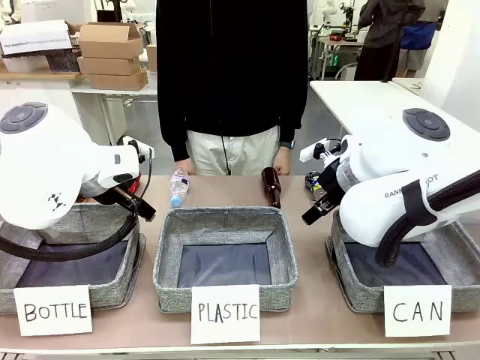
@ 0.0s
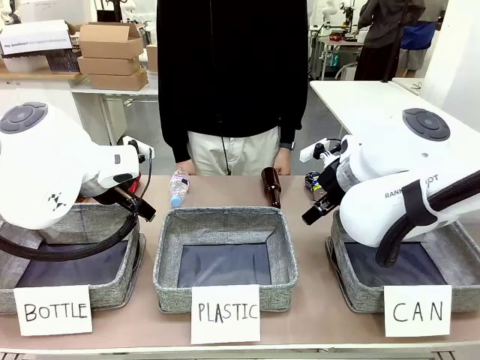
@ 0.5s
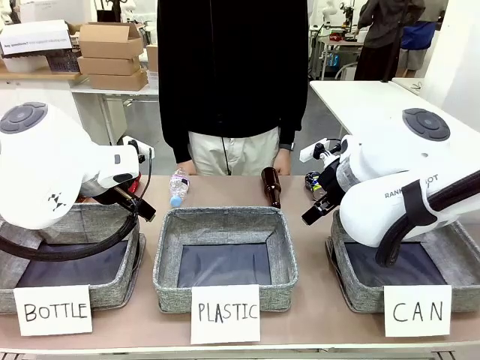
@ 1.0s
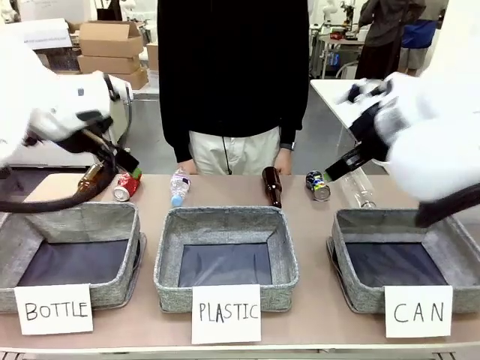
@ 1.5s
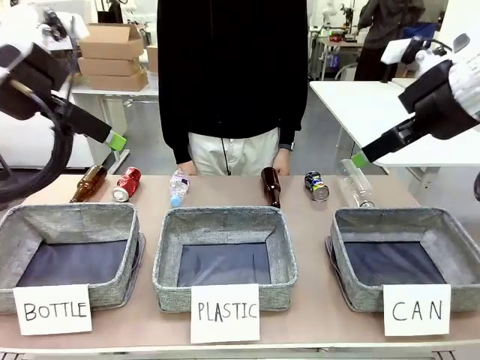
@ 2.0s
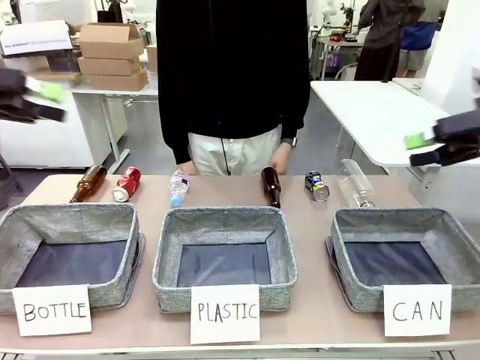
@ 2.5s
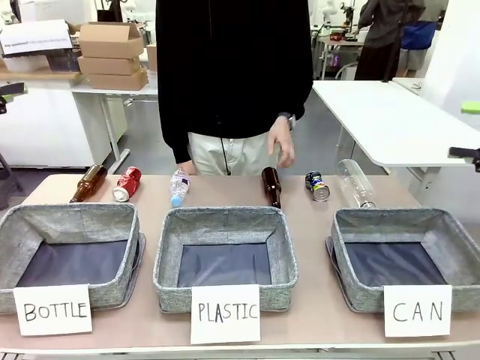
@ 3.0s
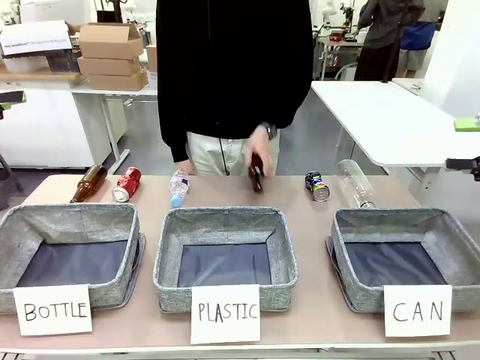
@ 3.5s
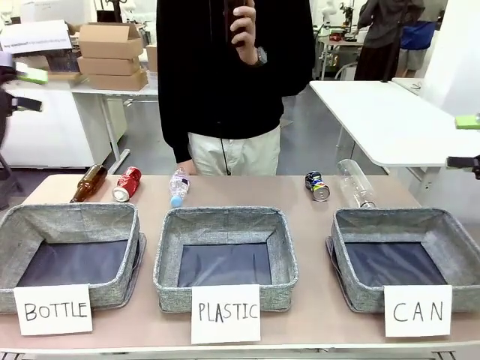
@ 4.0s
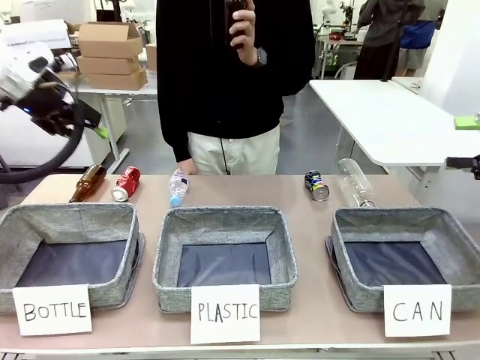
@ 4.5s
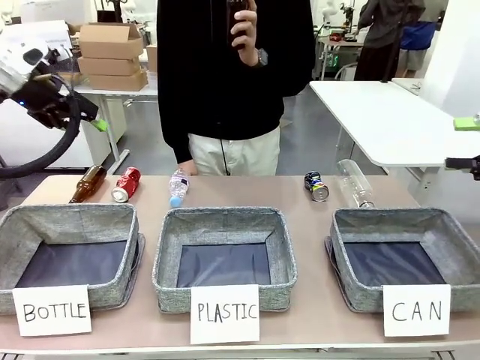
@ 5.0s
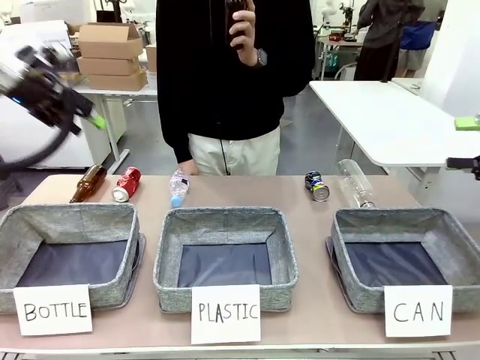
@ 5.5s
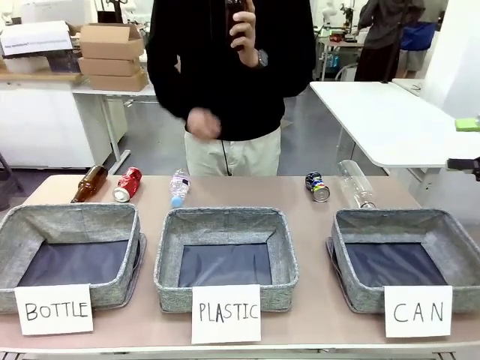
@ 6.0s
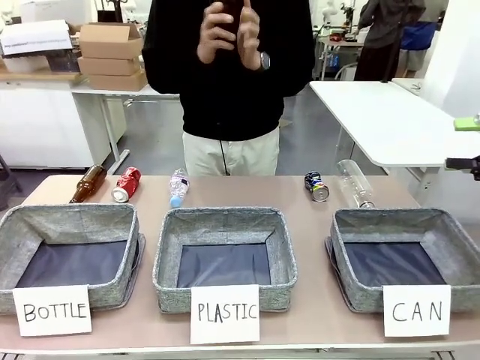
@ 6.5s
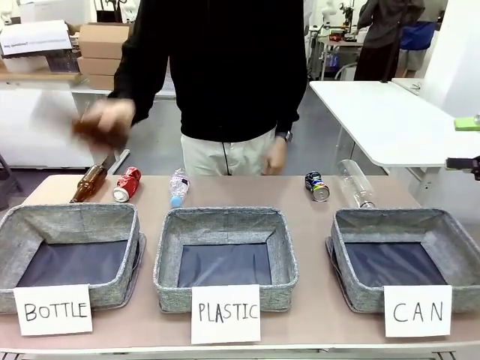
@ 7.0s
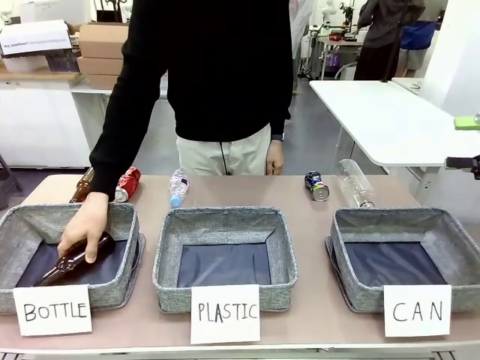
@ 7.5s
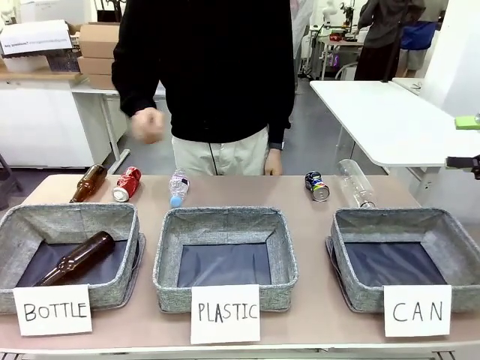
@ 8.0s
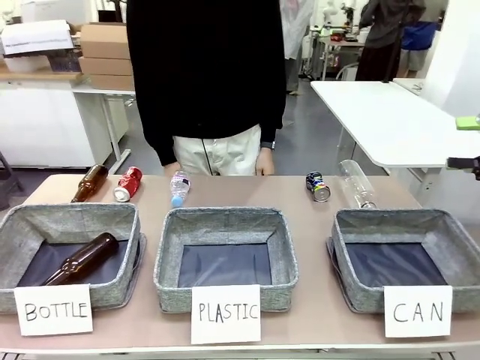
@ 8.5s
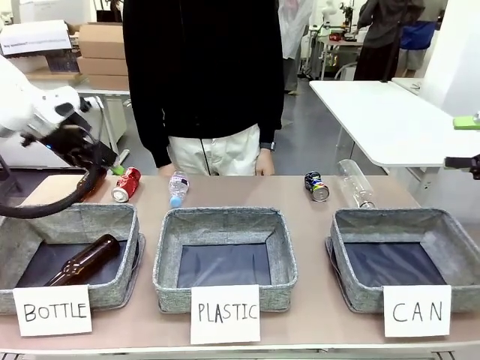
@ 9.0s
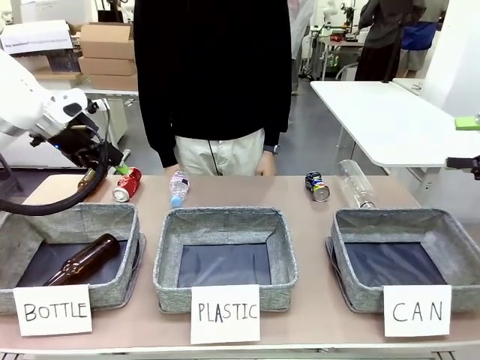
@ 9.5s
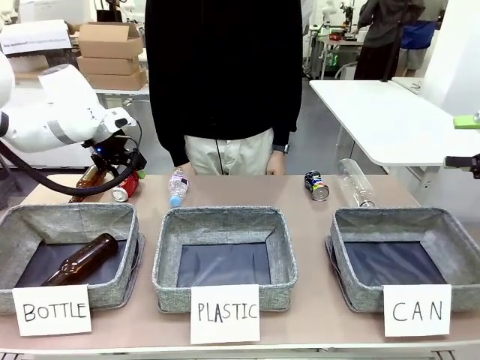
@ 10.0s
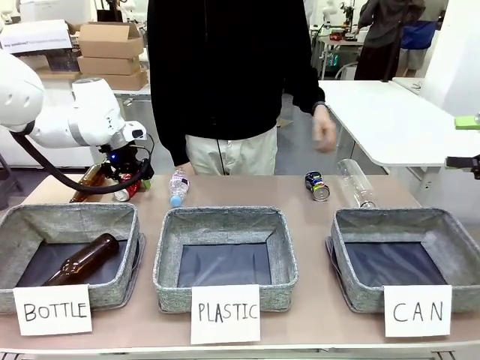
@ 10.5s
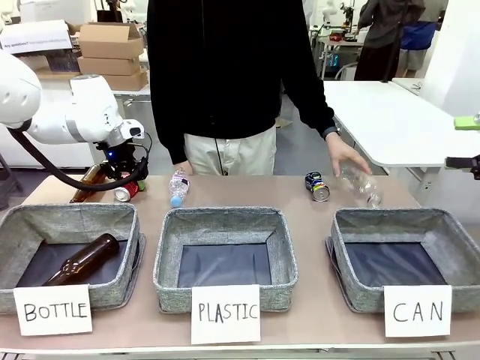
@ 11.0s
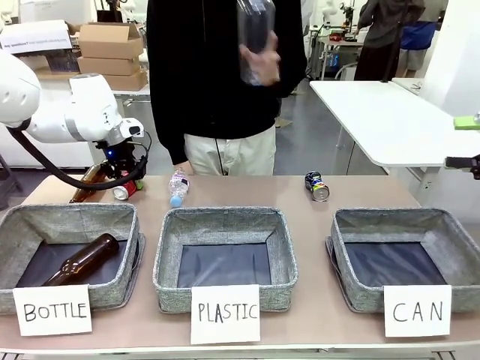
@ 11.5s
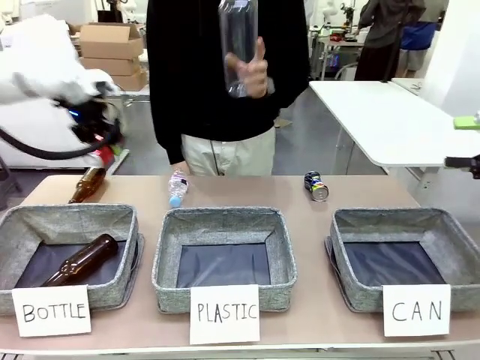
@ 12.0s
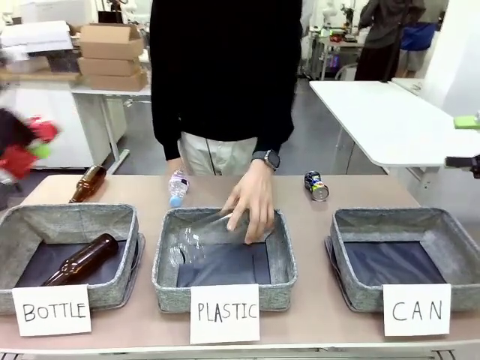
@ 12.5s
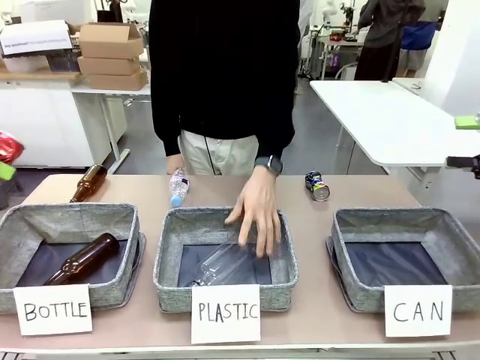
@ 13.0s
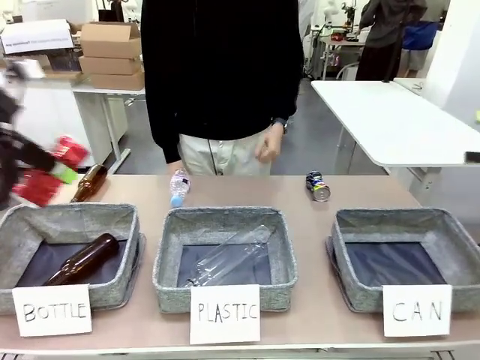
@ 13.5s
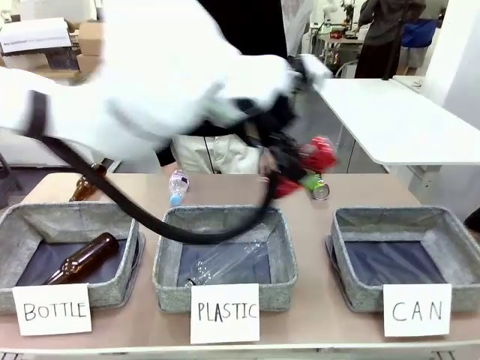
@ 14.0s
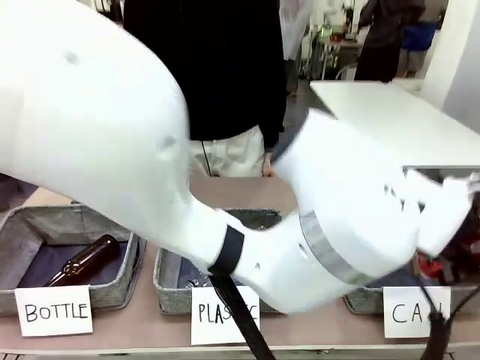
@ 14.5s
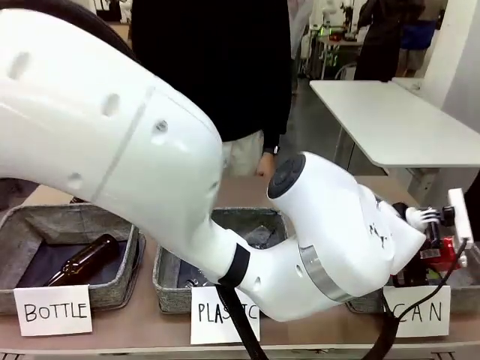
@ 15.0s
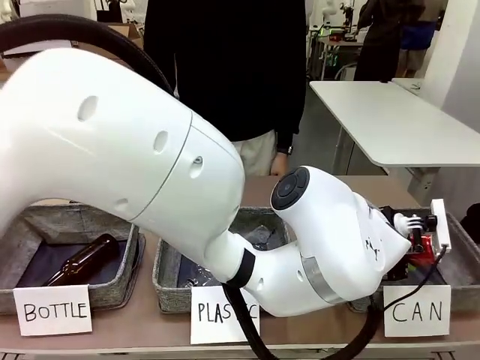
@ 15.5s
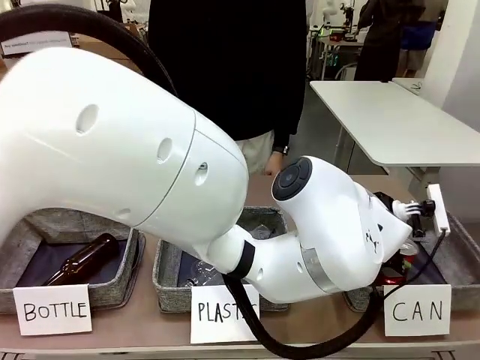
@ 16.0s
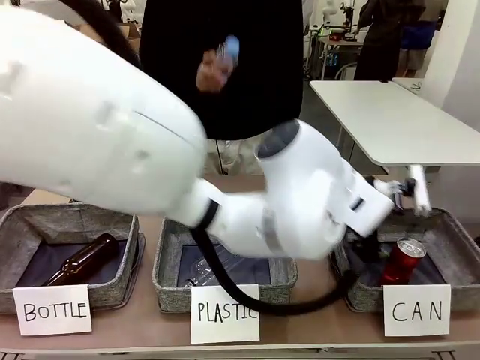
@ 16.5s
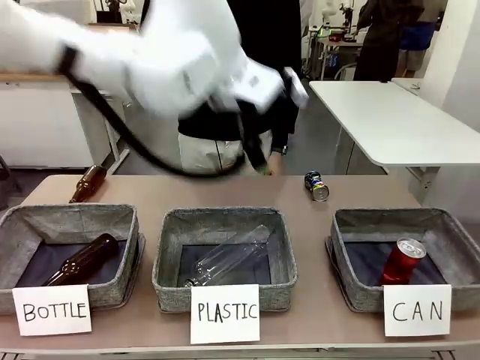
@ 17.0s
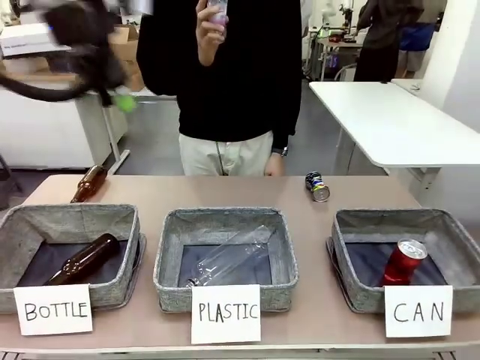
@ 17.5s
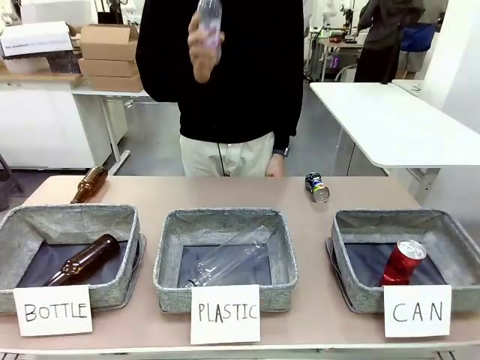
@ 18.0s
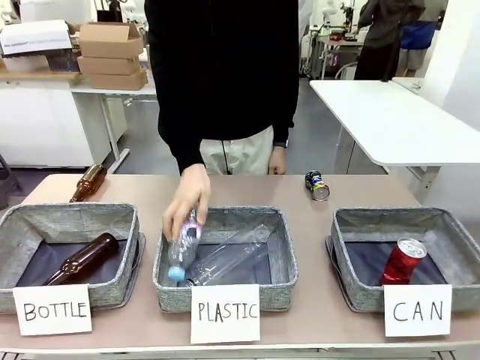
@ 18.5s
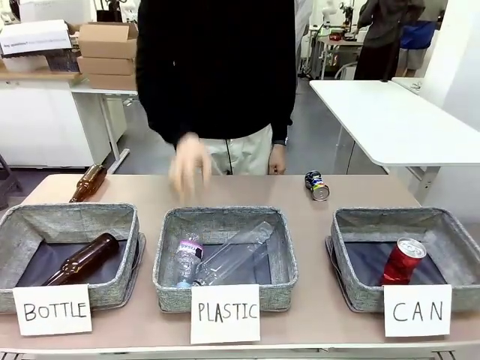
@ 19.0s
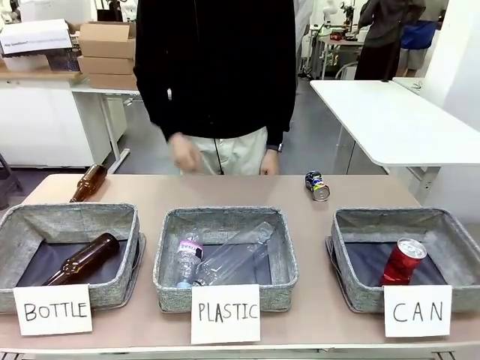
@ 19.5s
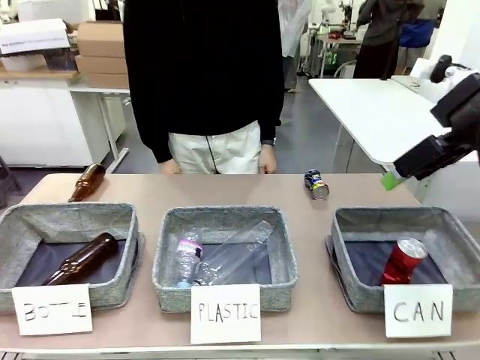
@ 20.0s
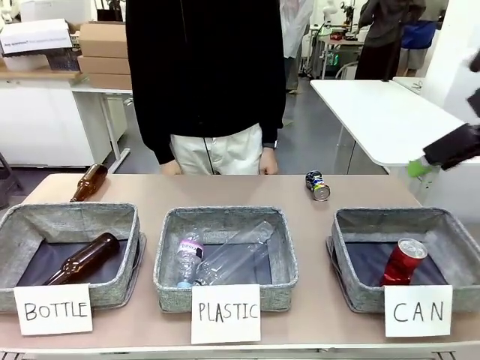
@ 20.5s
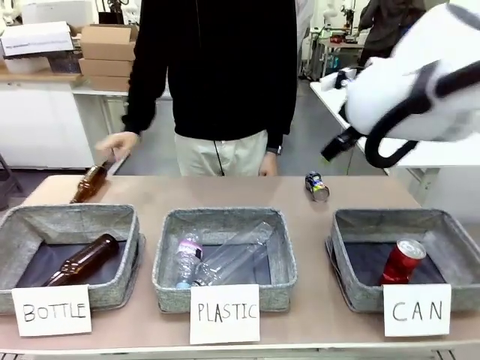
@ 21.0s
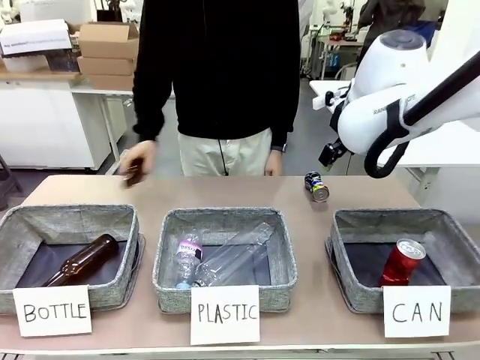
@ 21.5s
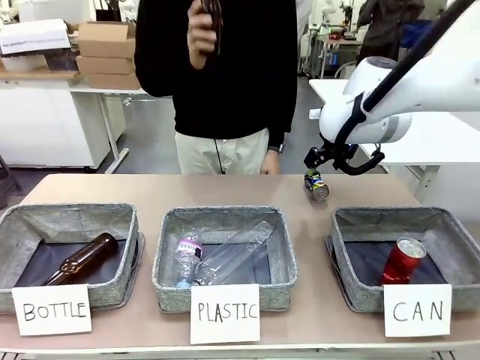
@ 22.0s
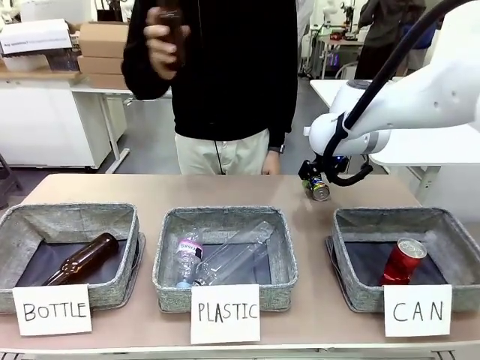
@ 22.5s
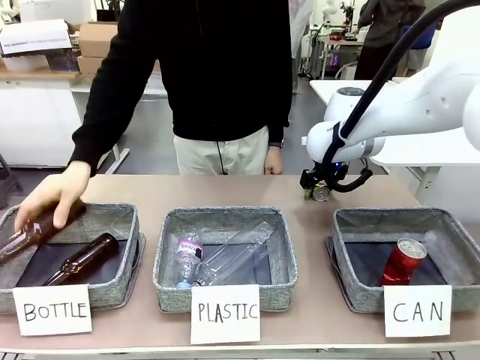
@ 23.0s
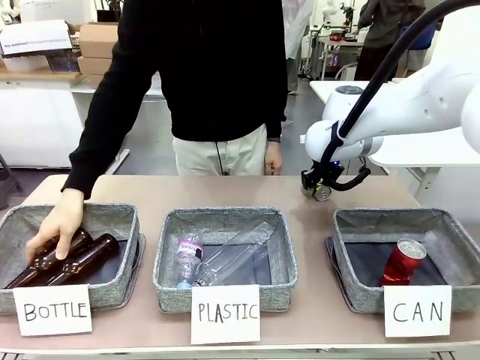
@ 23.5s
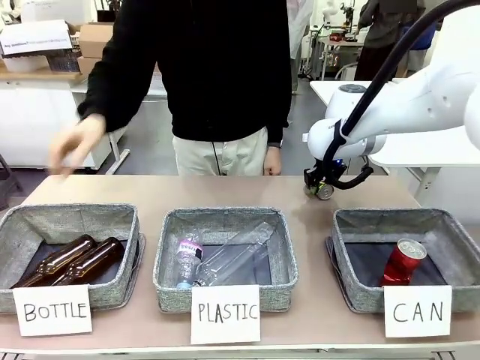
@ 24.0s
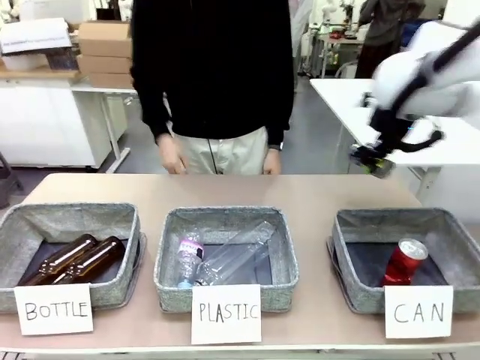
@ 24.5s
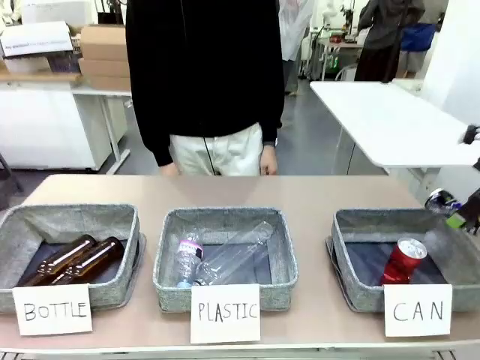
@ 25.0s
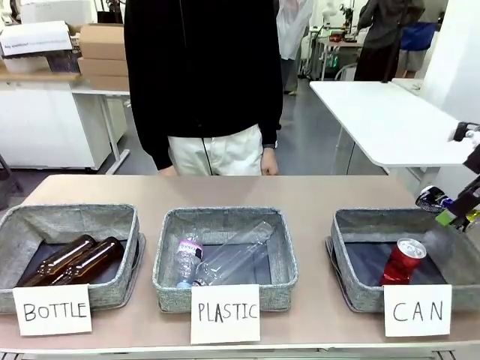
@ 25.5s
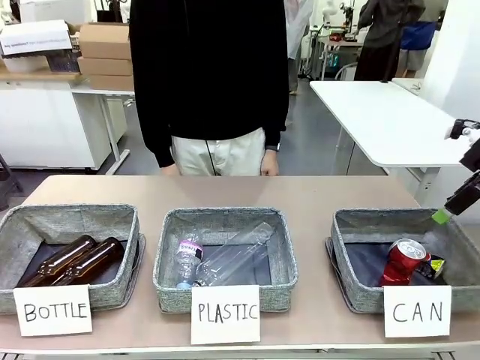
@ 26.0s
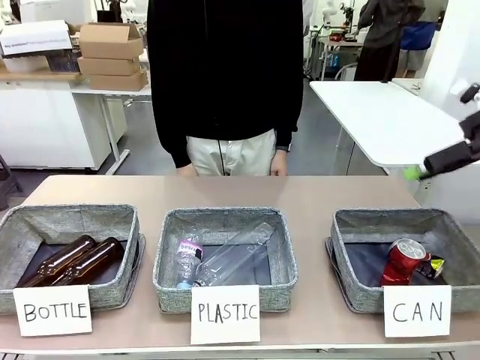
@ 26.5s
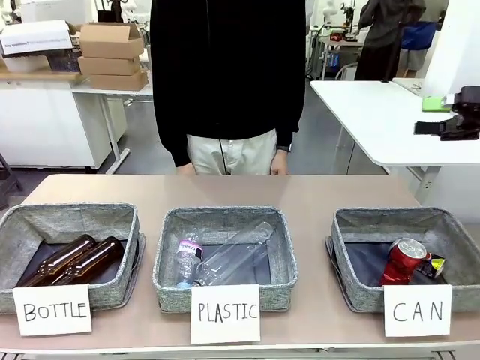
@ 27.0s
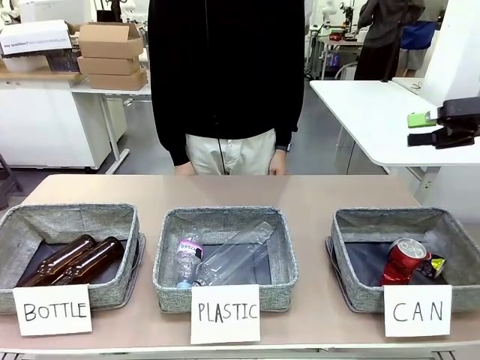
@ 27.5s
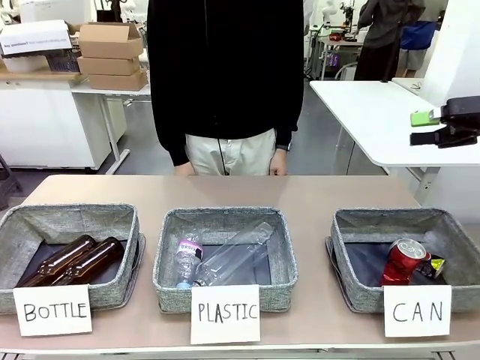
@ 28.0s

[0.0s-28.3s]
Task: Sort the can waste into the basket.
Robot: Pick up the can waste from the table and place it in the right Fabric basket.
Person: The human picks up one piece of trash that is not a can and places the trash into the appropriate organizing basket.
